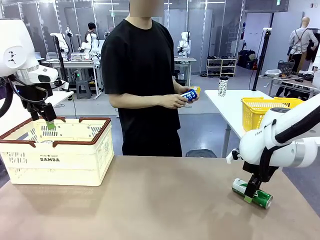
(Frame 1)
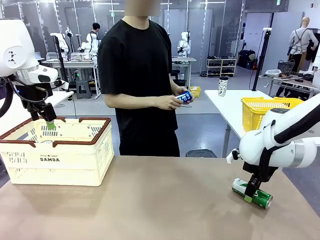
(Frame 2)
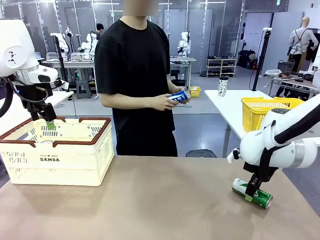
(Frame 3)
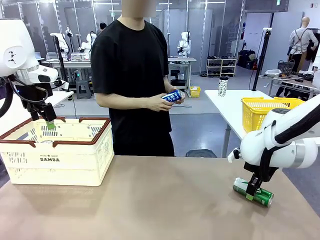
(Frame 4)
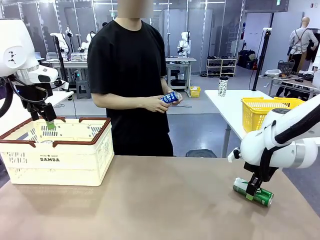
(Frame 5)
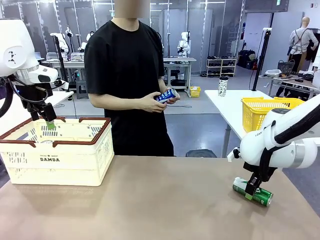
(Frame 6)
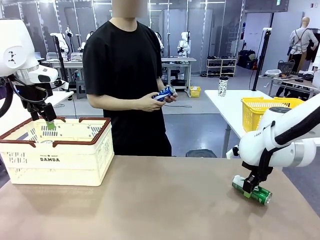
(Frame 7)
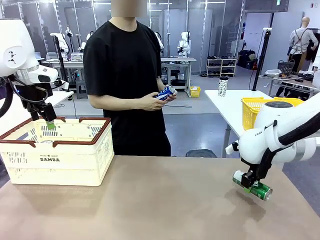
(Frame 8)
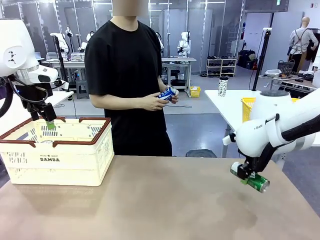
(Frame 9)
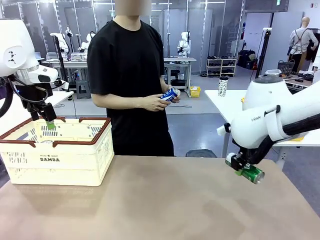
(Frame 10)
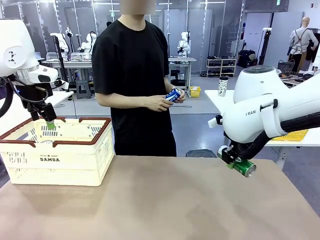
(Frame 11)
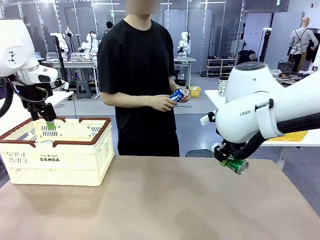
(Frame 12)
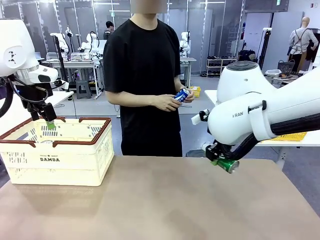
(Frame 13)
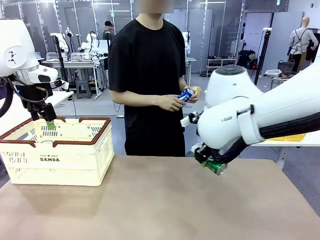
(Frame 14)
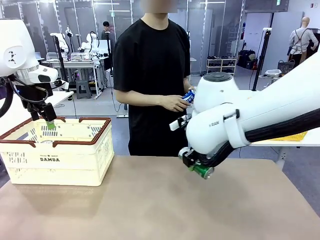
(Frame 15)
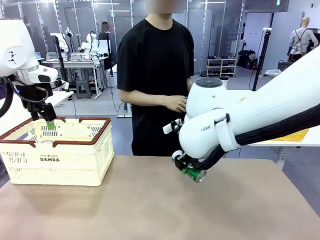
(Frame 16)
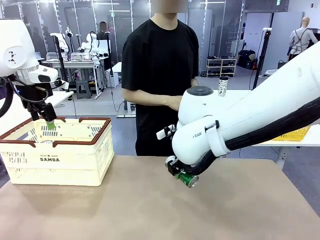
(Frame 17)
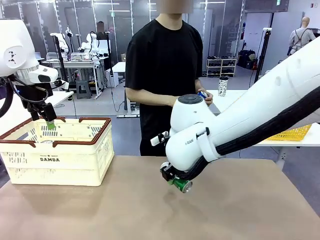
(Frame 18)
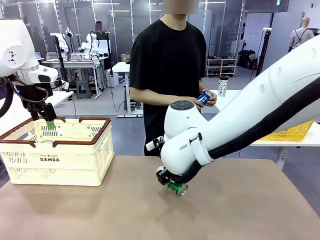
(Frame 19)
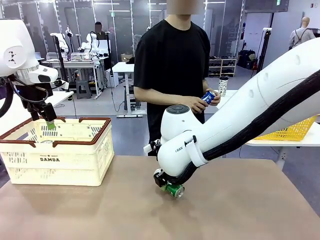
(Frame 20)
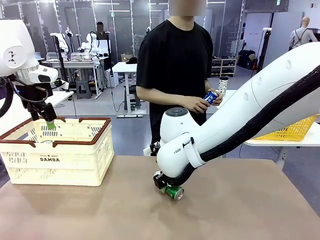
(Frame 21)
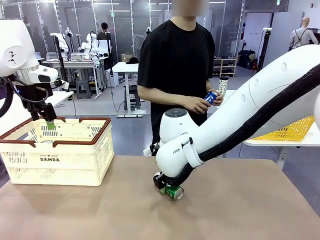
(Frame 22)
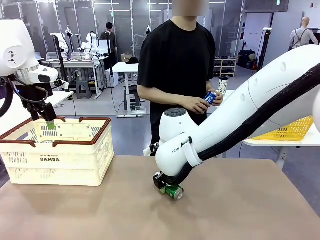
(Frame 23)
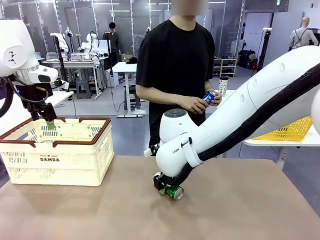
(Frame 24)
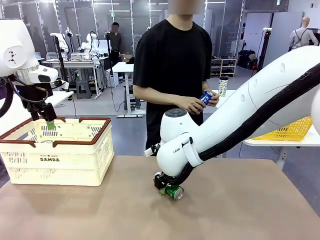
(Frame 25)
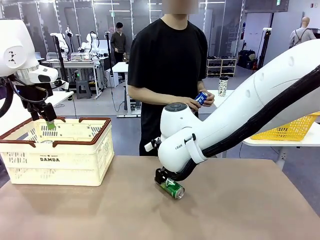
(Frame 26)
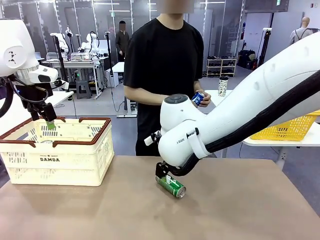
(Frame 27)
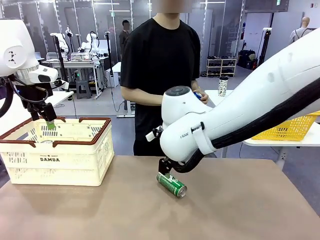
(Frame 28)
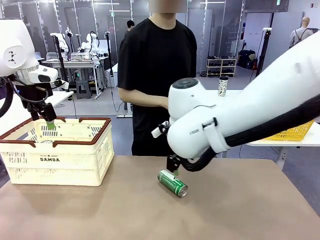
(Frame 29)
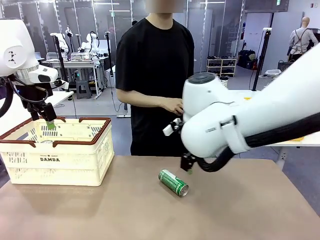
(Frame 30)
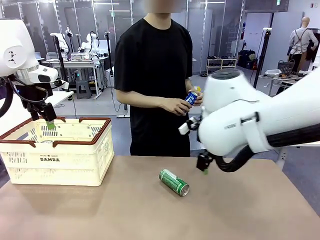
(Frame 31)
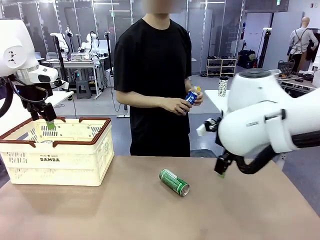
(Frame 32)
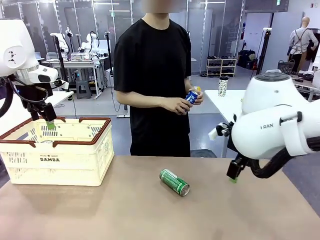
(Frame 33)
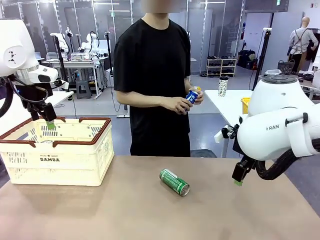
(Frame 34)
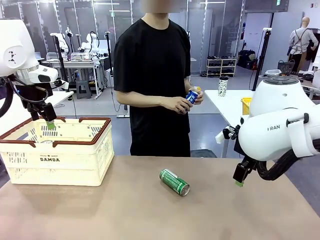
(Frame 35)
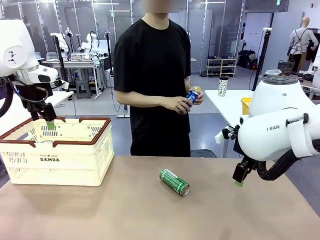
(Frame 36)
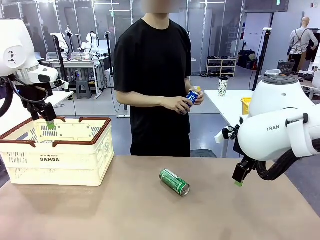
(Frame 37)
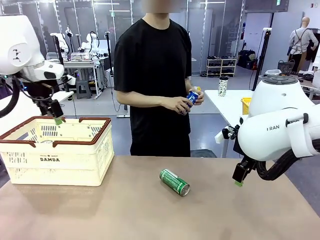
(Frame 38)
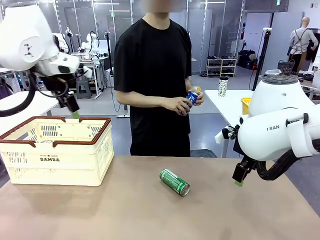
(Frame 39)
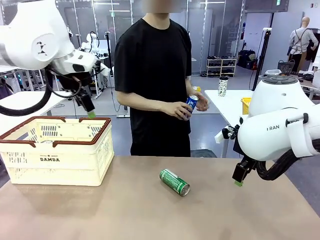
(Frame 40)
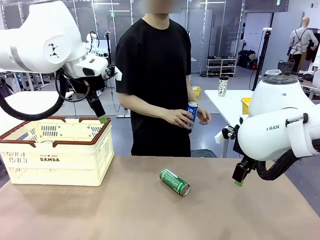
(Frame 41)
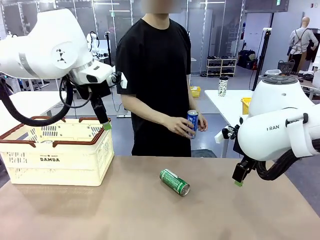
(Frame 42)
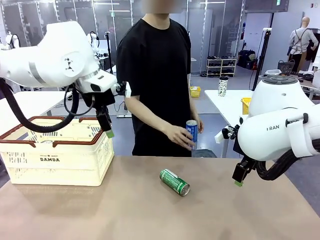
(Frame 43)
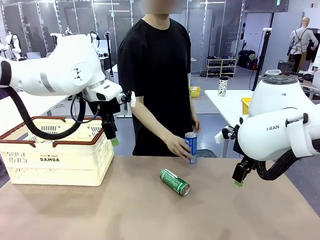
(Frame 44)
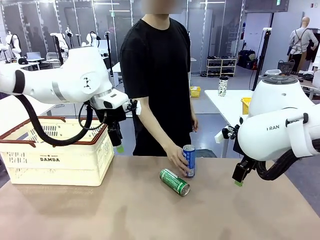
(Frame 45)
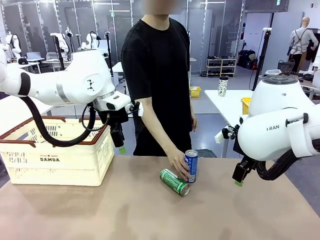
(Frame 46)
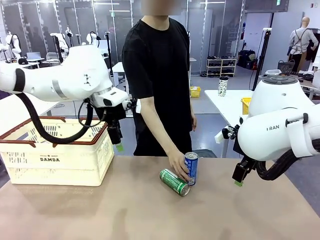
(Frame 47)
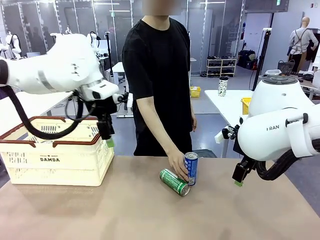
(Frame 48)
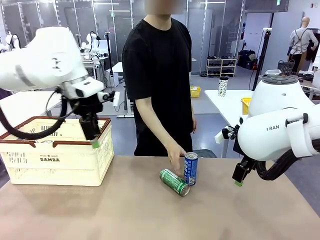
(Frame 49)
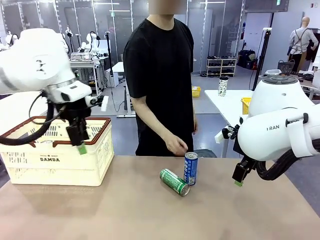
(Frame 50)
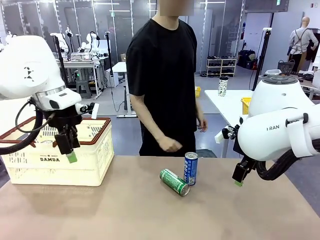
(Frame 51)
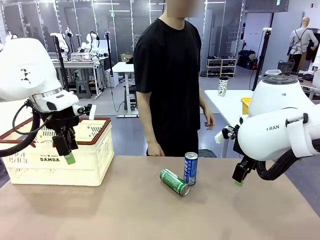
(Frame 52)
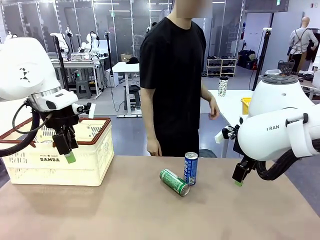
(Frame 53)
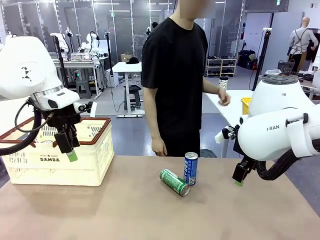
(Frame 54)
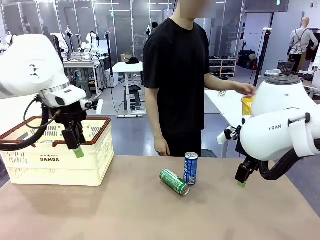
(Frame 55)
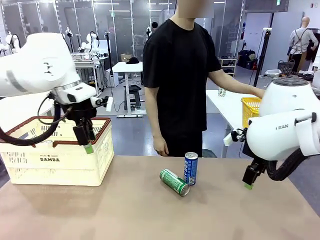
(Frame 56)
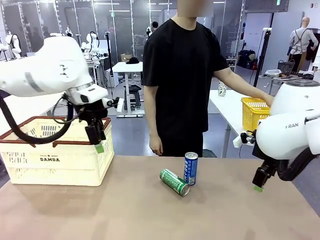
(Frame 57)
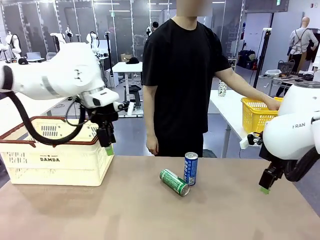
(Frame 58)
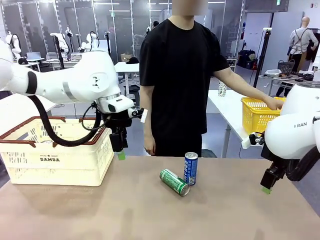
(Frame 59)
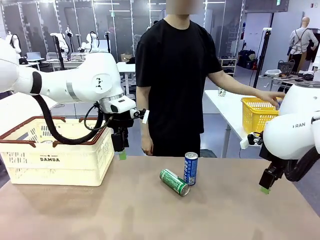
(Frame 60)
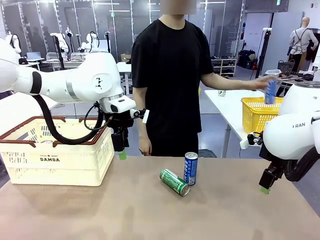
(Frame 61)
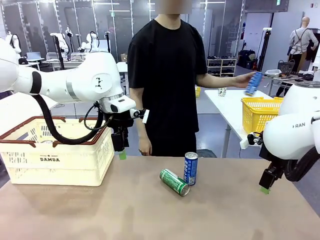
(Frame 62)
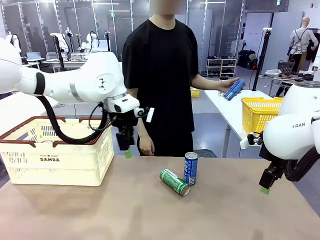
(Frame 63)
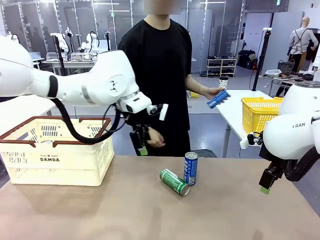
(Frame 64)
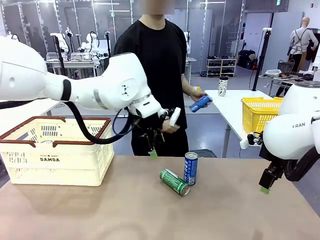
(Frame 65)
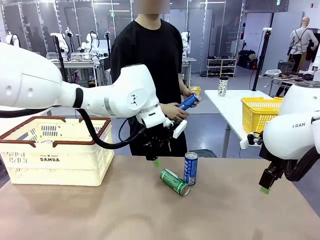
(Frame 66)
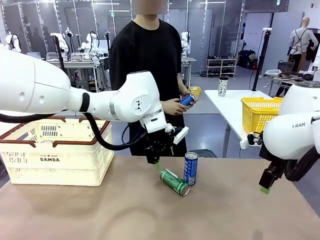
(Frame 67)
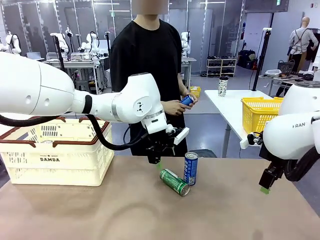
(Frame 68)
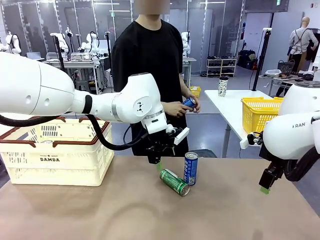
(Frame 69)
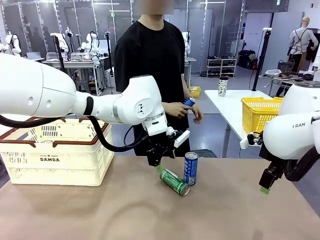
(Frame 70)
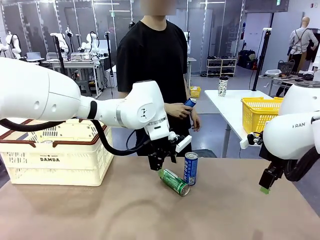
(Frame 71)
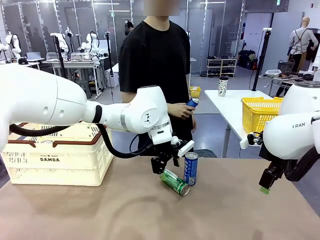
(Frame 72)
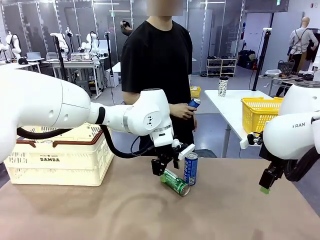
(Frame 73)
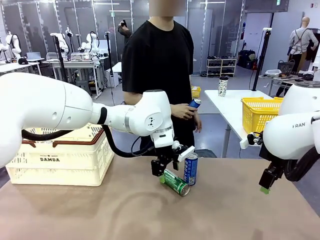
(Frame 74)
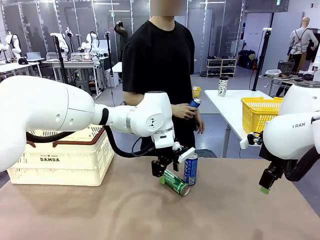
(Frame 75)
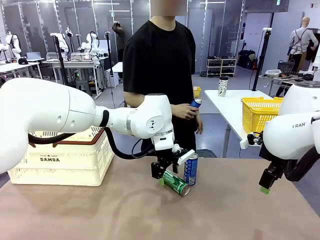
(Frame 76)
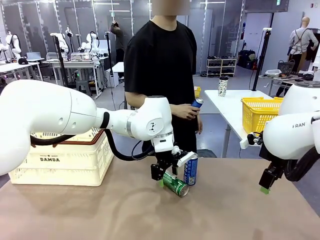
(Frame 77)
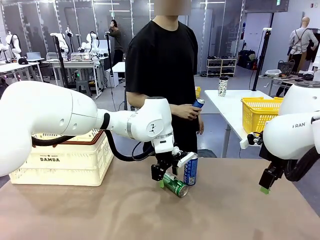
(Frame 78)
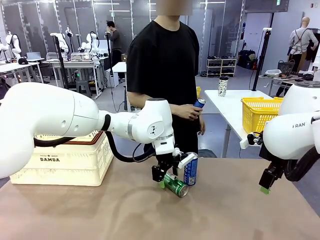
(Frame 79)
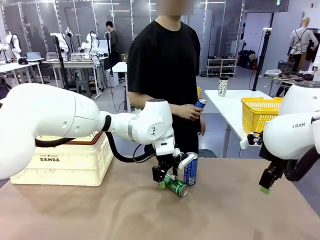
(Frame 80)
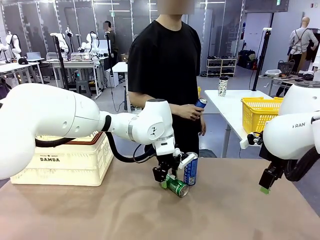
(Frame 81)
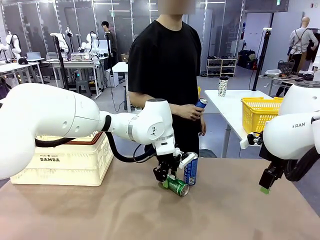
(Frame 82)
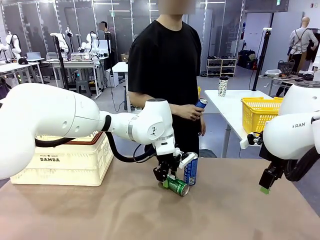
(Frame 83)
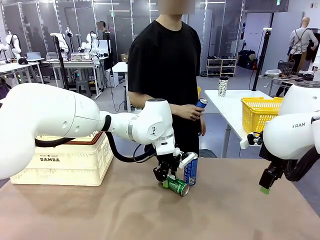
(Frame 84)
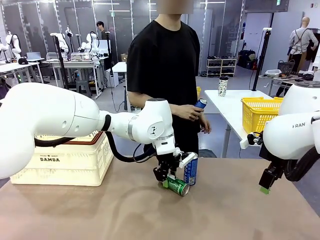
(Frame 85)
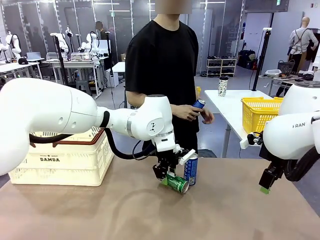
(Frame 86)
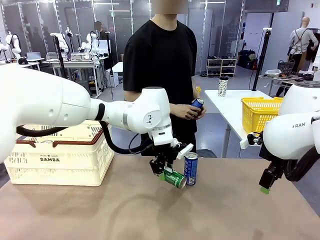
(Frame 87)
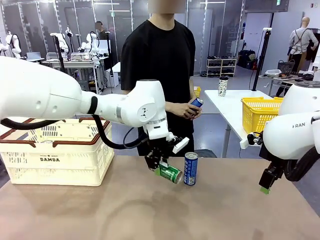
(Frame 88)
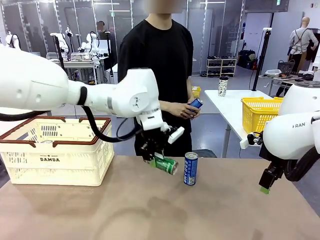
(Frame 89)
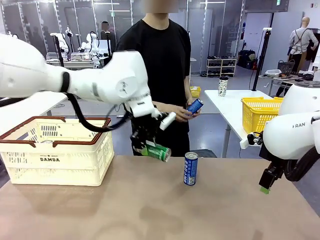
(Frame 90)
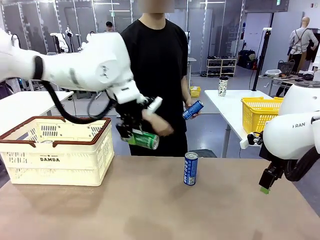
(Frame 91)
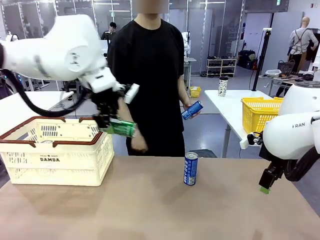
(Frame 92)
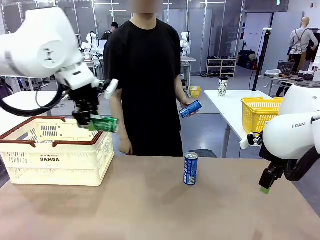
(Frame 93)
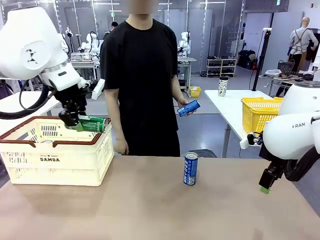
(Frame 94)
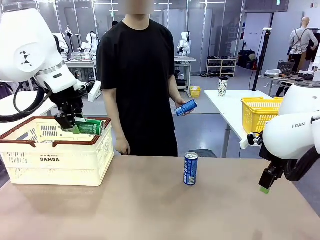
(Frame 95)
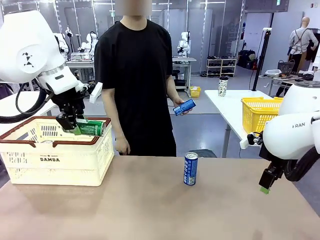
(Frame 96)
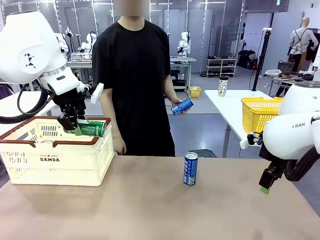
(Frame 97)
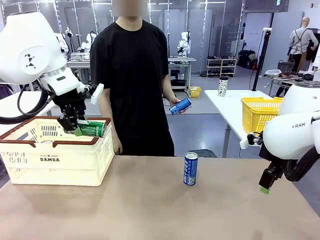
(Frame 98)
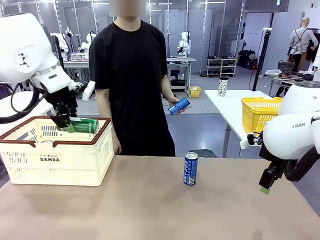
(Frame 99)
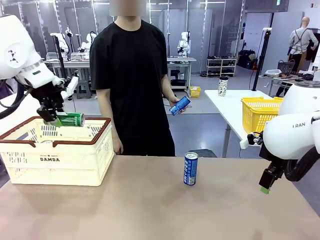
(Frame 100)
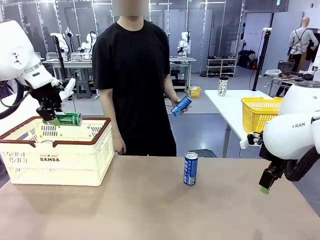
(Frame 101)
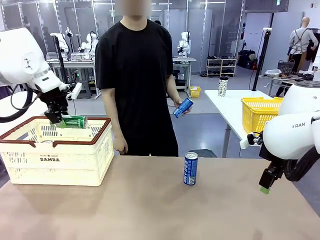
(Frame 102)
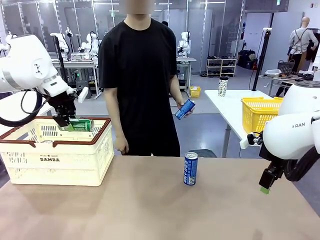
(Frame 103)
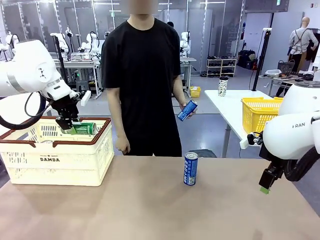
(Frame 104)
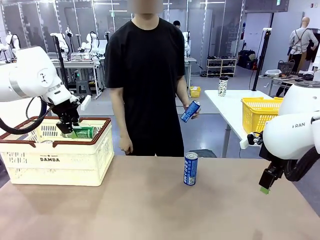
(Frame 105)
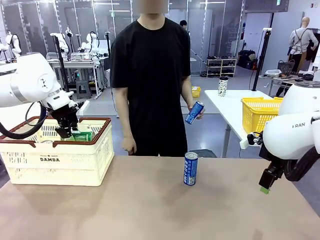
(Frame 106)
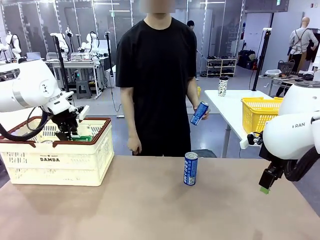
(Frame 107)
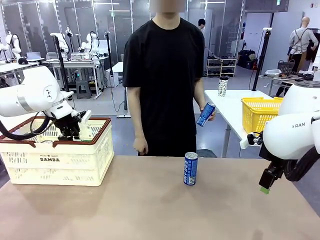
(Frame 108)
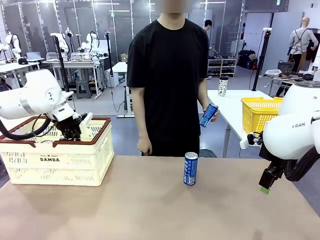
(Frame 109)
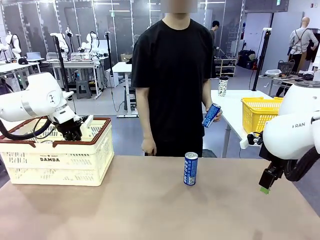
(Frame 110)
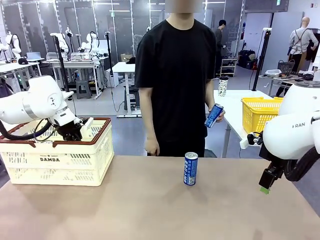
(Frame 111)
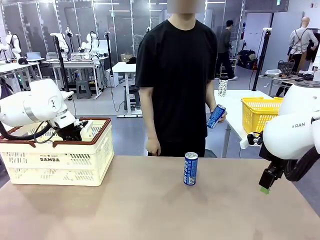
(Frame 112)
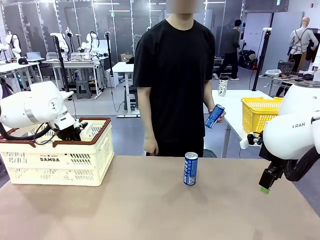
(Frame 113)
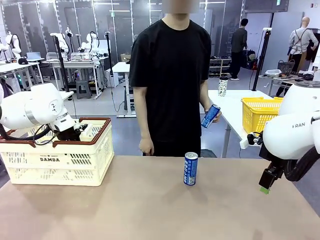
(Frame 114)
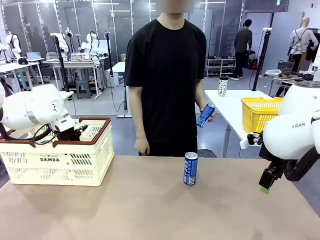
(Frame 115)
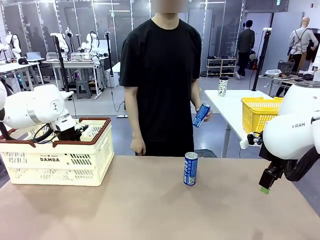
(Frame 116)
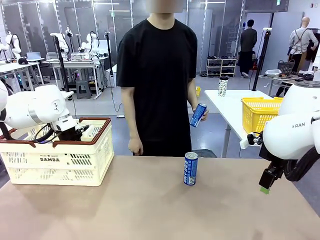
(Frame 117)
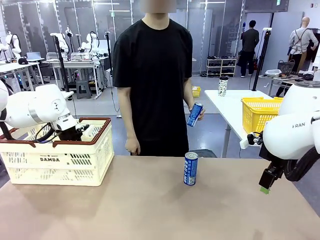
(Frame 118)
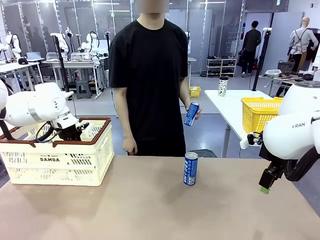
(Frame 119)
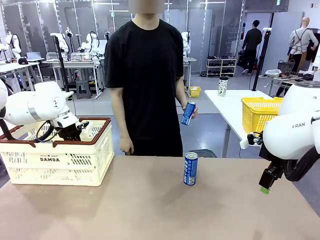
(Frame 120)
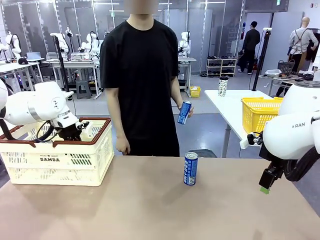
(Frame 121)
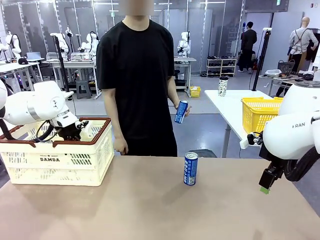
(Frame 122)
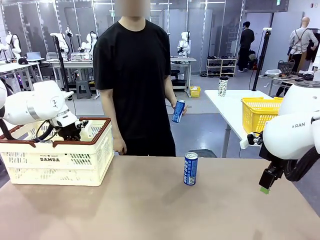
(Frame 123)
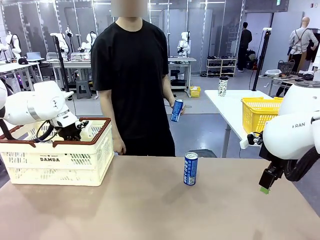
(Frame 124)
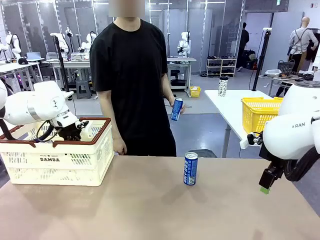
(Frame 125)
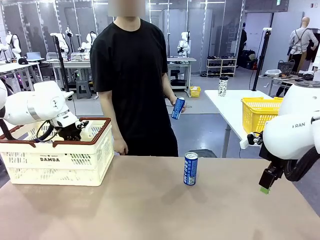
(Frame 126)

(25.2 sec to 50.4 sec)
Task: Place the drinks into the Shopping basket.
Robot: Pick up one drink and place it into the Shopping basket.
